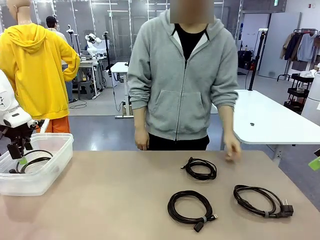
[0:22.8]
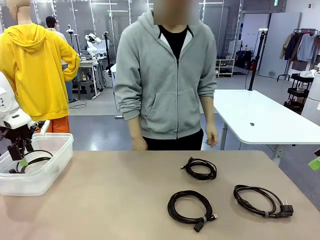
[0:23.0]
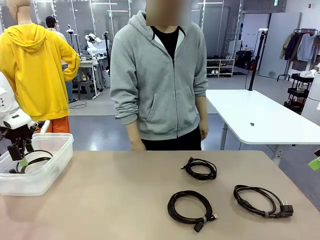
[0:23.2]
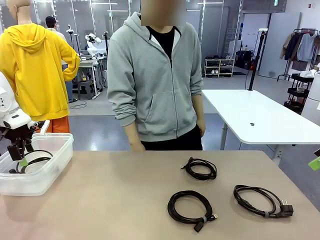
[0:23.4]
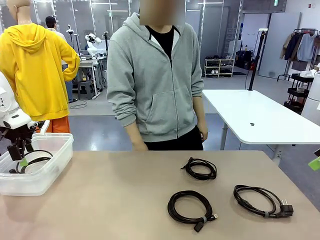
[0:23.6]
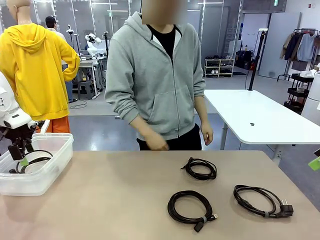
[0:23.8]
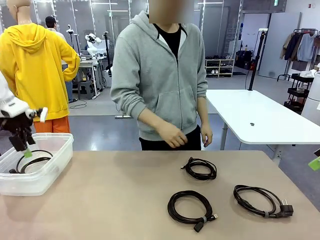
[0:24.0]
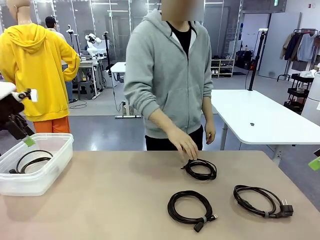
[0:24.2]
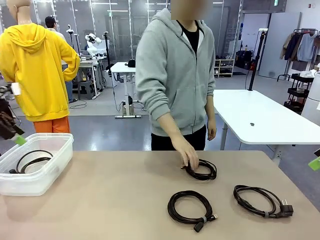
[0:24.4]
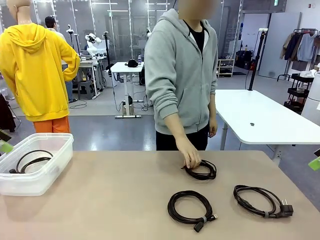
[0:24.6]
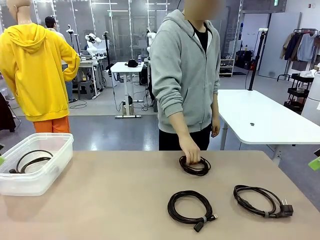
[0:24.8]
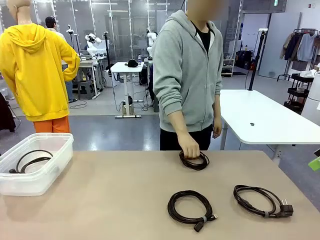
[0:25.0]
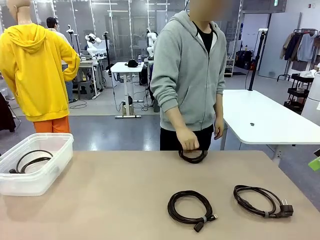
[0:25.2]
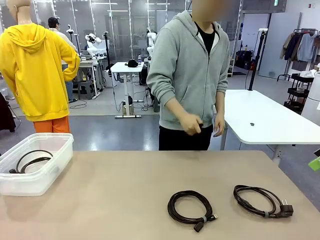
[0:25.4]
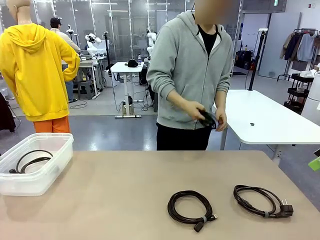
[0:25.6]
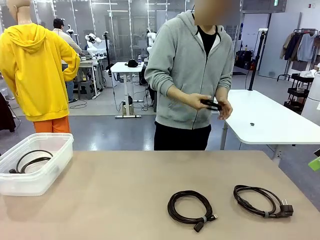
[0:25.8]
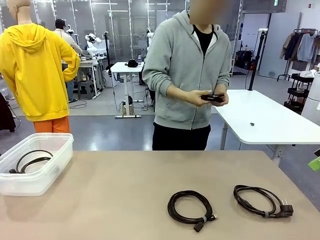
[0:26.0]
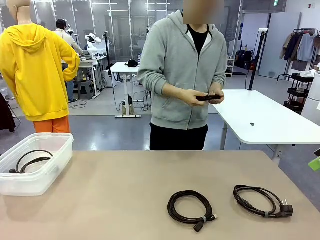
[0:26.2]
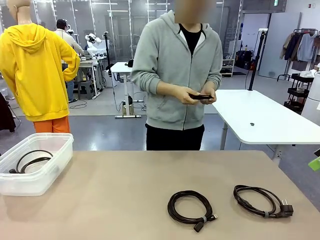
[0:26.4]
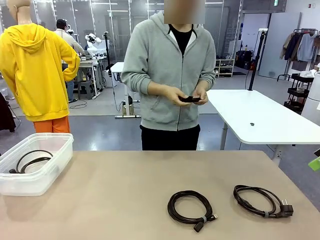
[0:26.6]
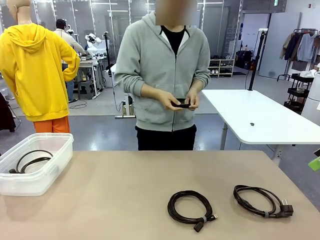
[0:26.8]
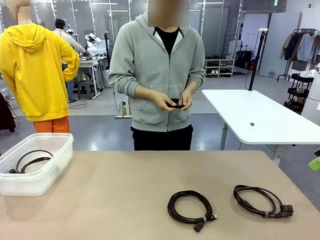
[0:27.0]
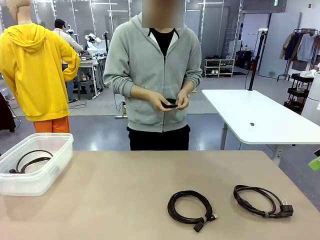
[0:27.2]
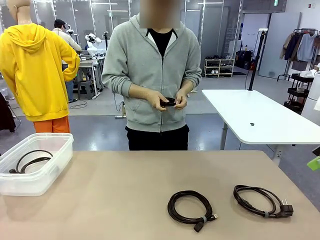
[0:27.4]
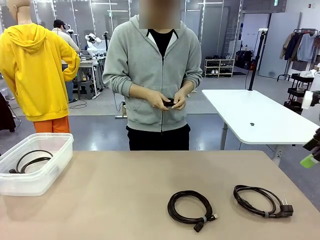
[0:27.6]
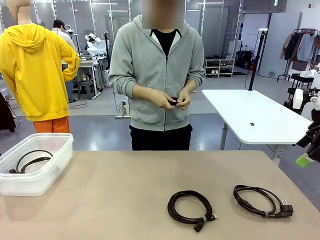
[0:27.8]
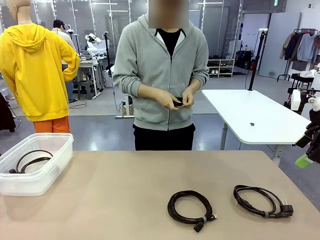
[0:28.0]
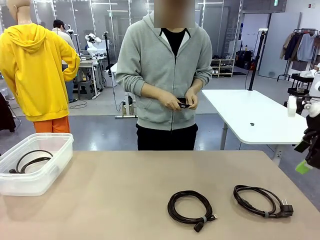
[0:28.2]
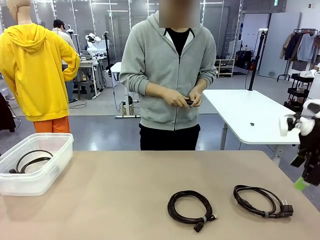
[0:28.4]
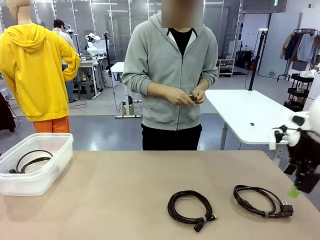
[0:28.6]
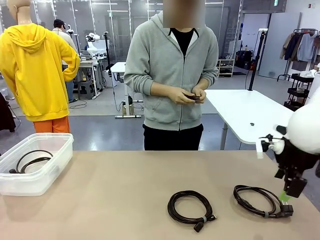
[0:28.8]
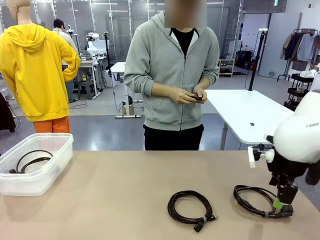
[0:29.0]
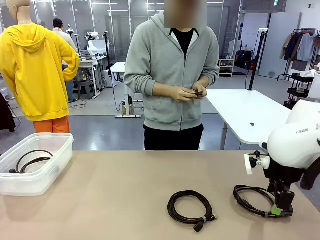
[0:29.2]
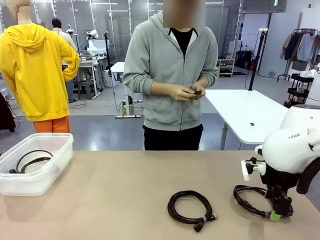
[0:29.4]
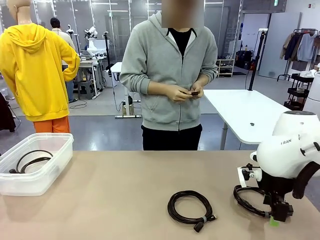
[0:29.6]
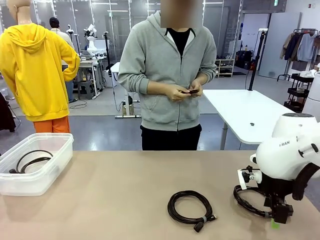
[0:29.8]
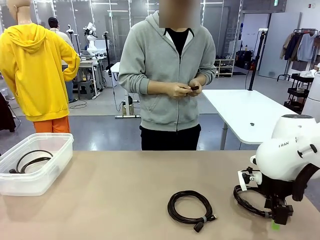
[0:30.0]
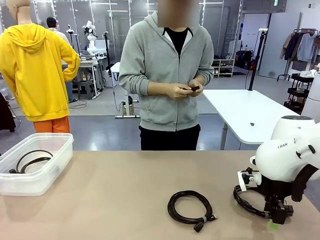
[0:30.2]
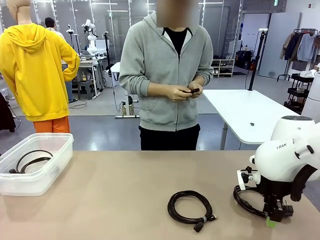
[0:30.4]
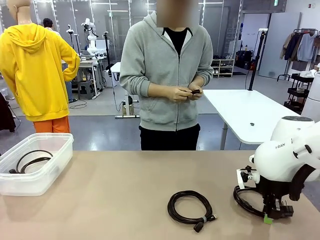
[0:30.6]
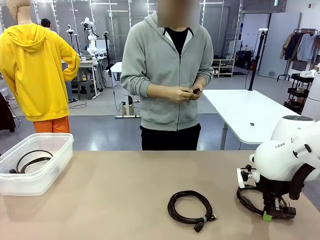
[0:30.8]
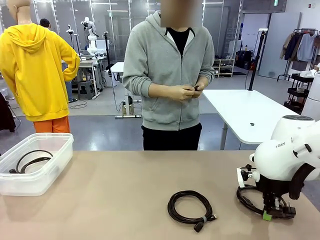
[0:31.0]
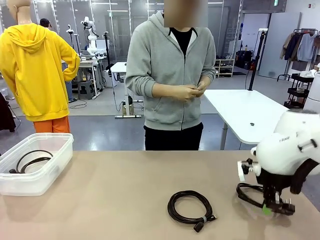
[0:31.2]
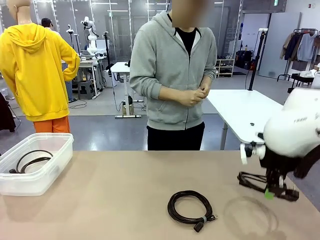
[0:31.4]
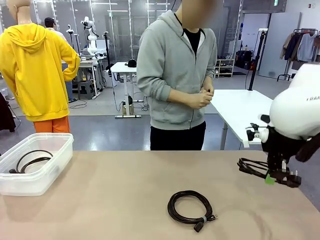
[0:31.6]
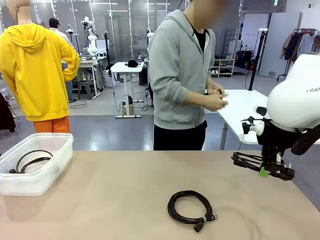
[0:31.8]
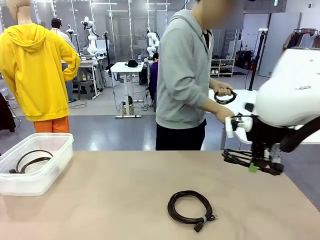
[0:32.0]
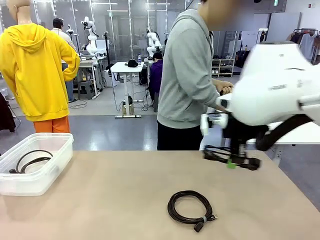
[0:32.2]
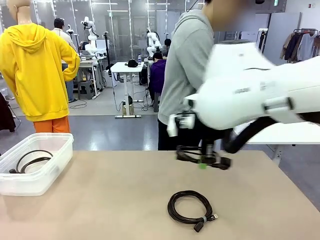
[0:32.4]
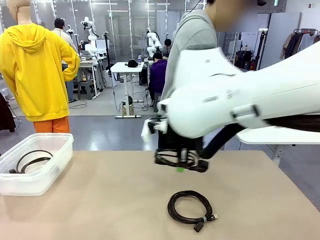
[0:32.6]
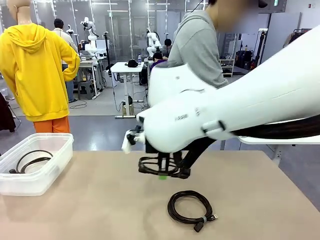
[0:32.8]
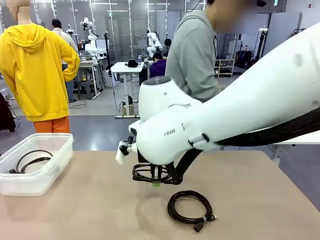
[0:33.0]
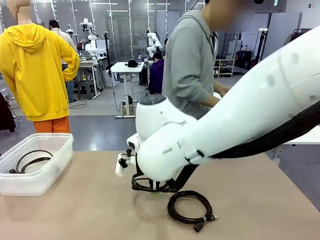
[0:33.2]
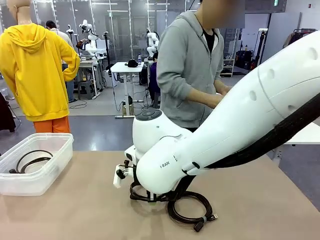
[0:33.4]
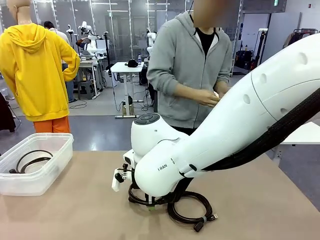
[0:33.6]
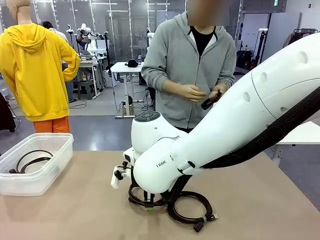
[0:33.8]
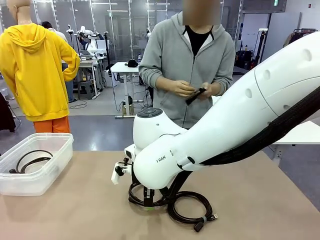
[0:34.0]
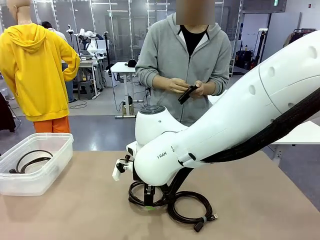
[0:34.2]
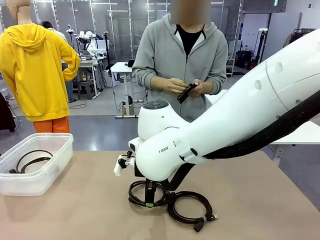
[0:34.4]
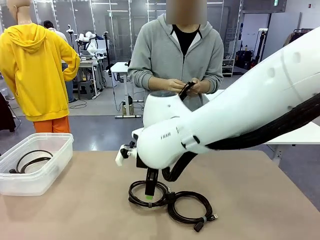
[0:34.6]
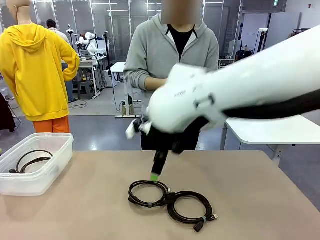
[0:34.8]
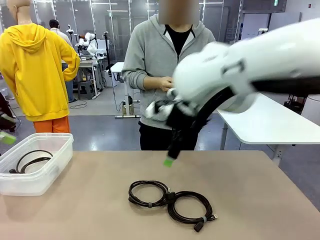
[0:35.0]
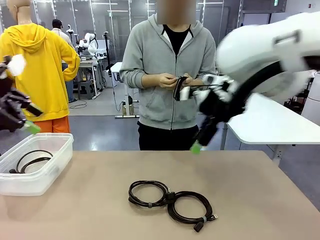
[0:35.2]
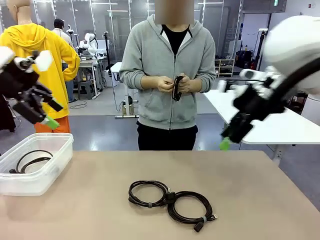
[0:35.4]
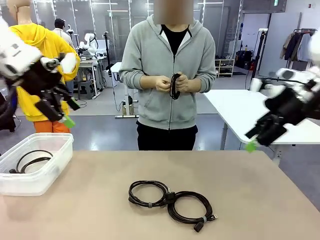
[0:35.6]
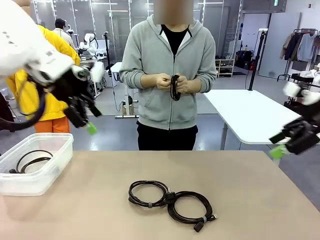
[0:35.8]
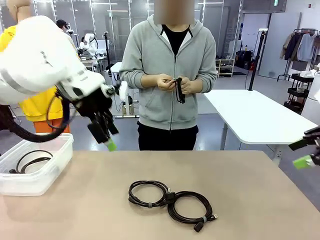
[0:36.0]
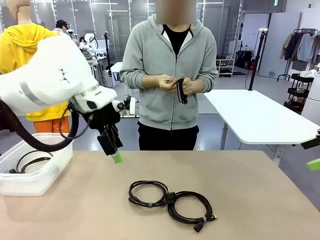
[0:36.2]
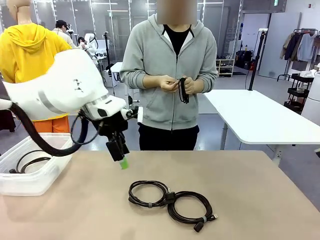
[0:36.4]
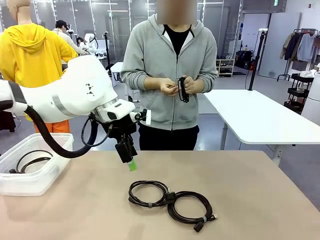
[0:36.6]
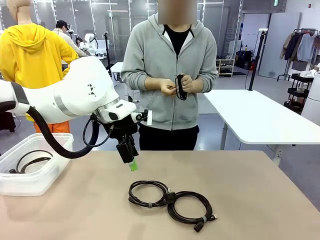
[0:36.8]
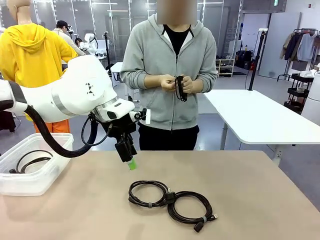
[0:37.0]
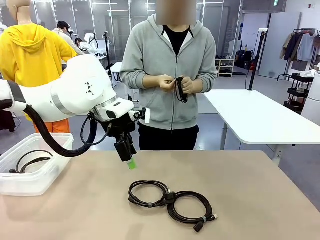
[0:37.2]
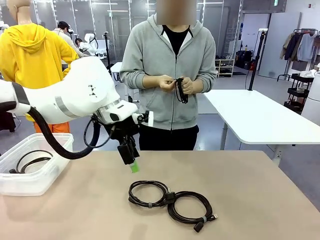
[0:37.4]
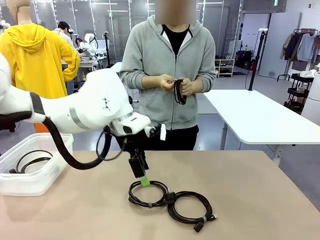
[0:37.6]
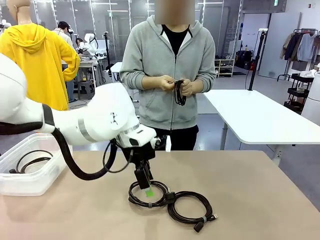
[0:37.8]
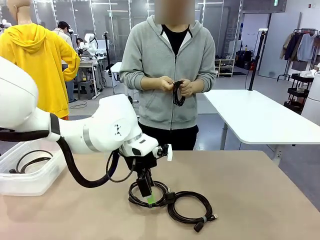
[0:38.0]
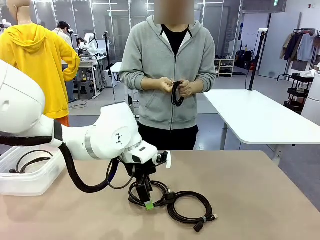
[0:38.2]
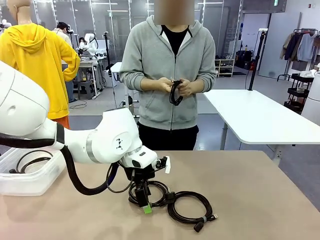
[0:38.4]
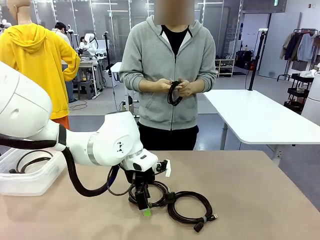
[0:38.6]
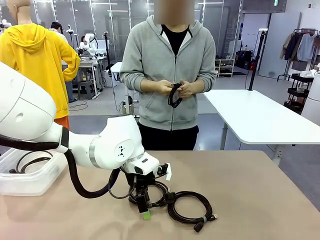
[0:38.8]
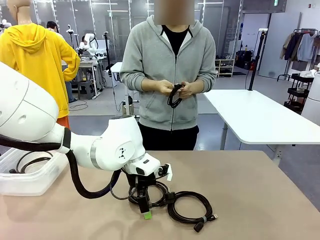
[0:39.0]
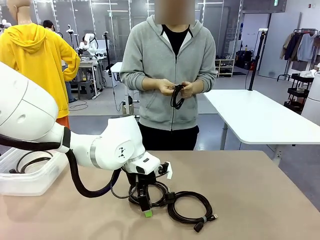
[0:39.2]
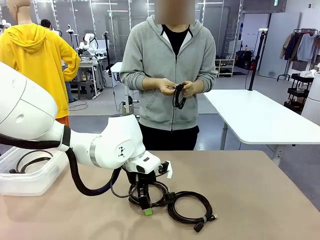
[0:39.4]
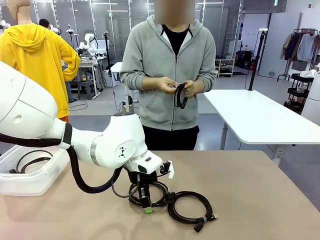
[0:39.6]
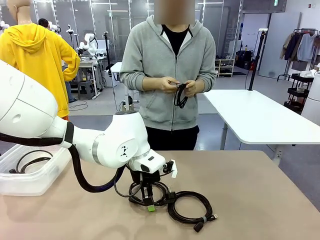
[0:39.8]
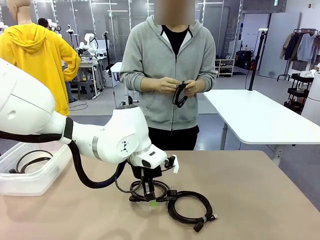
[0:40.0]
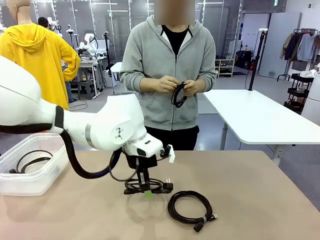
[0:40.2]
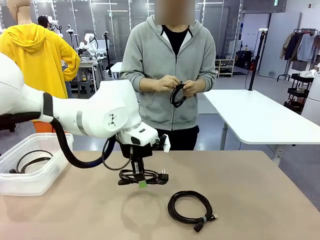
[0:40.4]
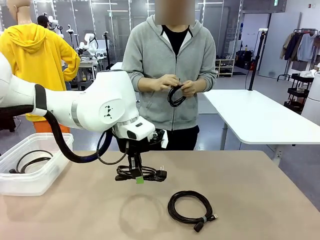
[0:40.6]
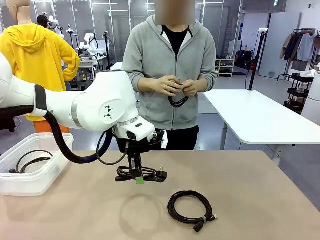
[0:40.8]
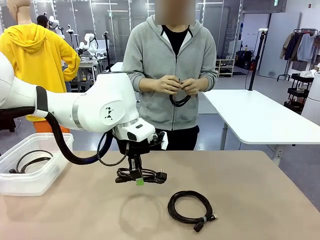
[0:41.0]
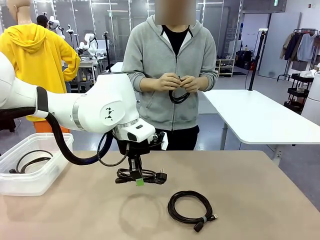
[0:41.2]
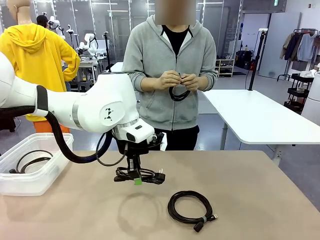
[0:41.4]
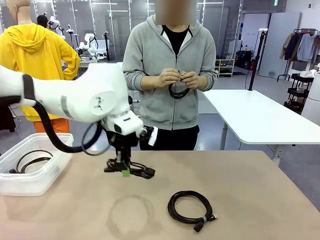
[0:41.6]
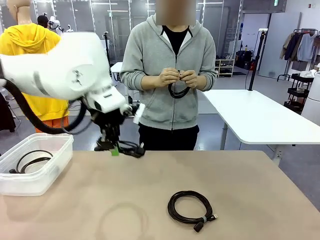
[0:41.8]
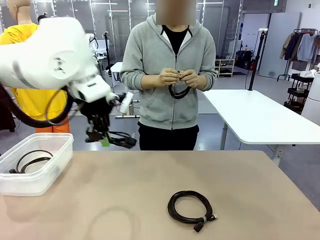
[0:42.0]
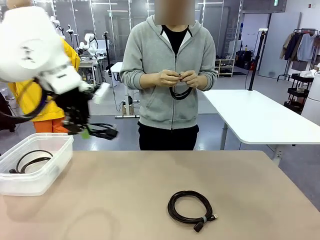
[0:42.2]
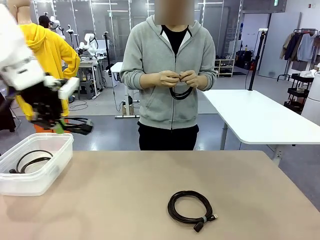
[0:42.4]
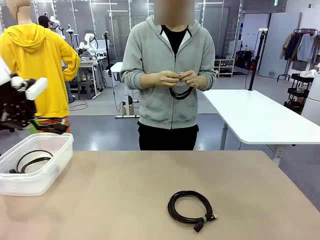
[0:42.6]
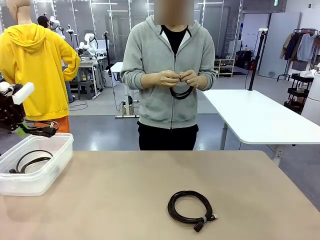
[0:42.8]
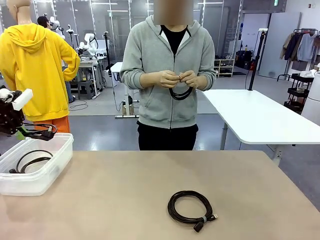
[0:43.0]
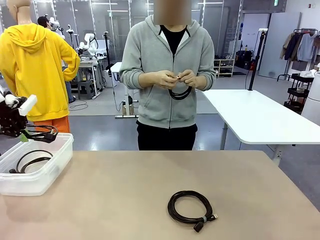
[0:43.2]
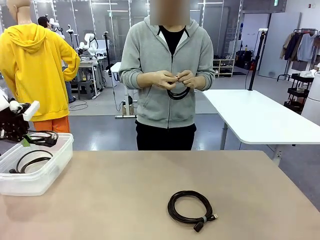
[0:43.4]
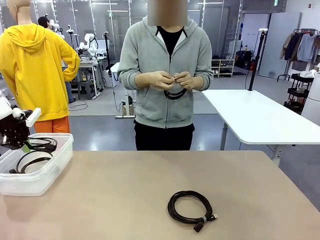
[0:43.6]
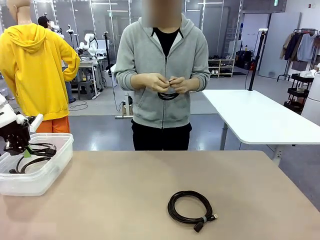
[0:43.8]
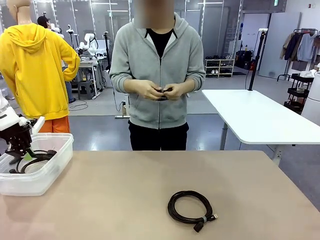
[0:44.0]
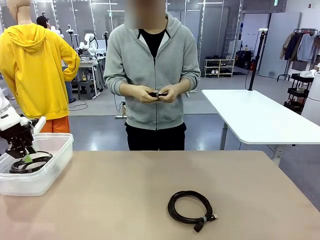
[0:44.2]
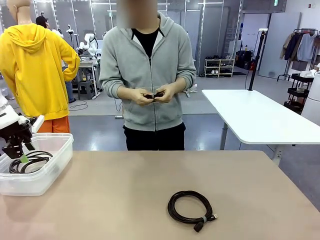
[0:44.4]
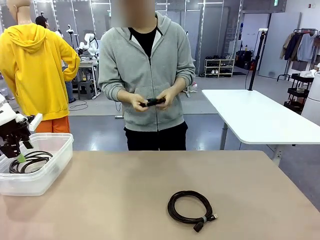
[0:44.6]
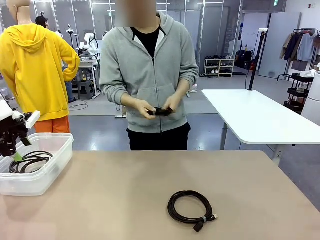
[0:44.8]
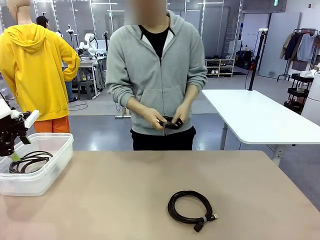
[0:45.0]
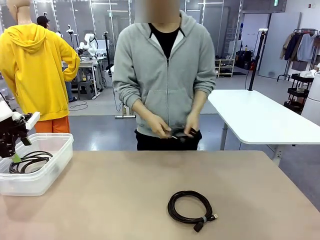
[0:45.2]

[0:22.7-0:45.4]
Task: Organize and store the cables.
Robot: Place the Power Cable into the Organizing box.
